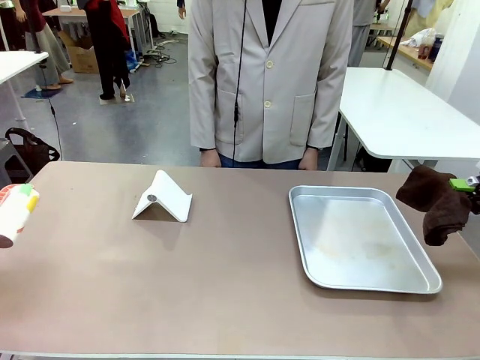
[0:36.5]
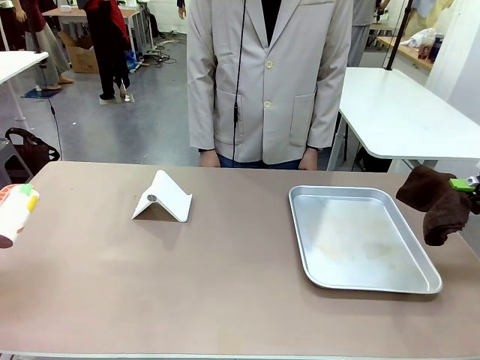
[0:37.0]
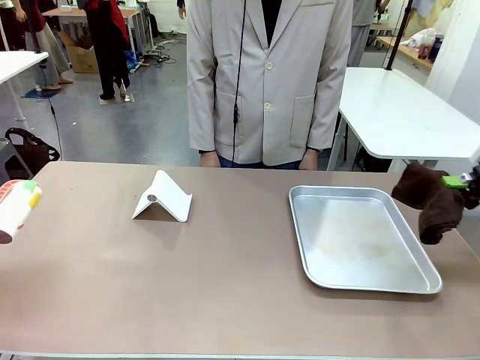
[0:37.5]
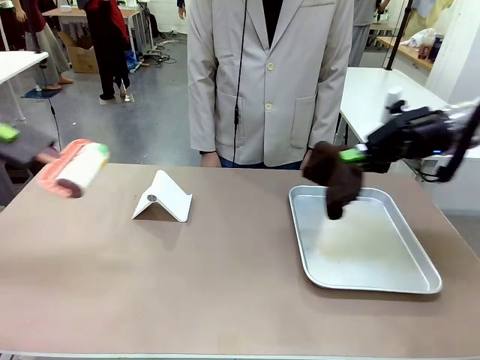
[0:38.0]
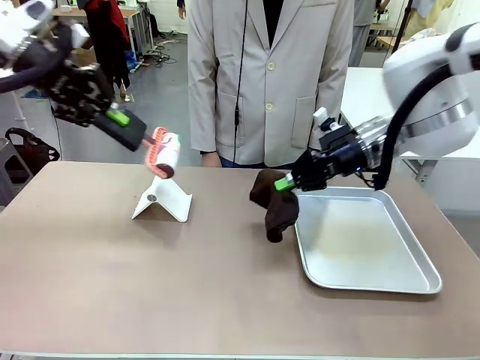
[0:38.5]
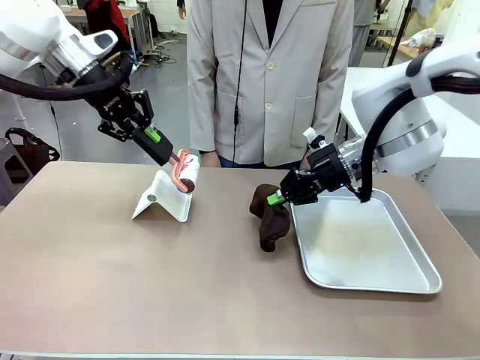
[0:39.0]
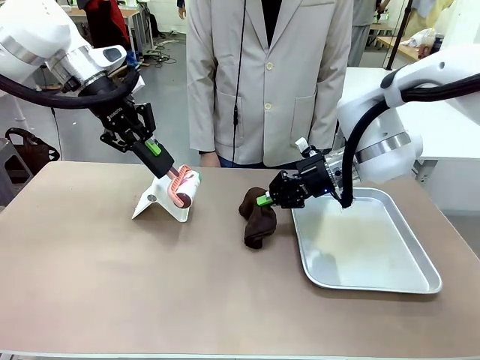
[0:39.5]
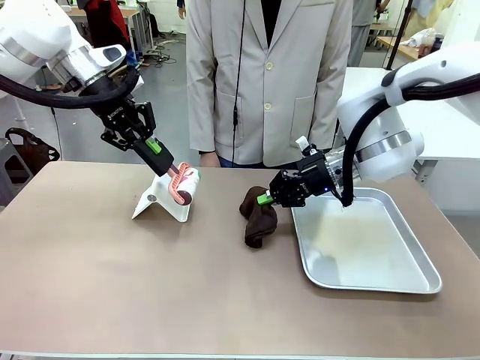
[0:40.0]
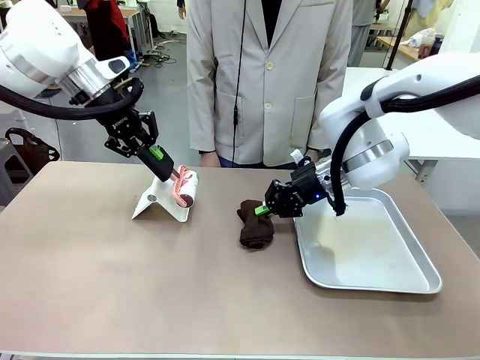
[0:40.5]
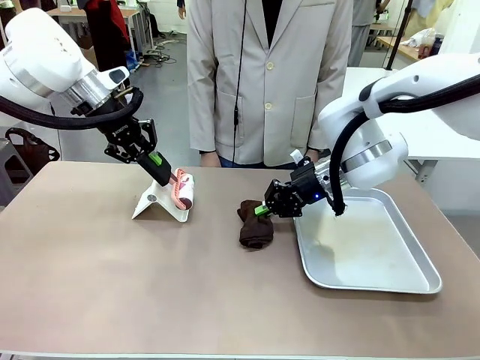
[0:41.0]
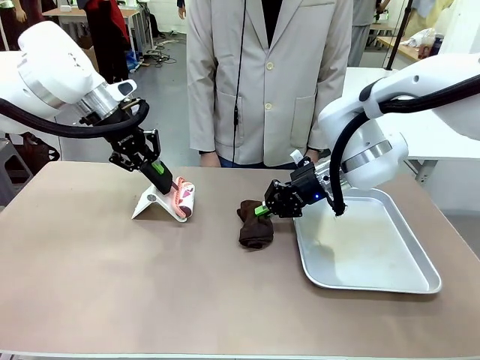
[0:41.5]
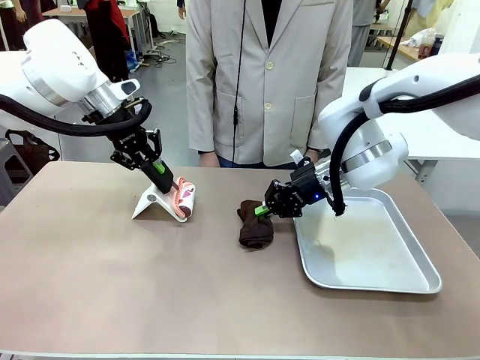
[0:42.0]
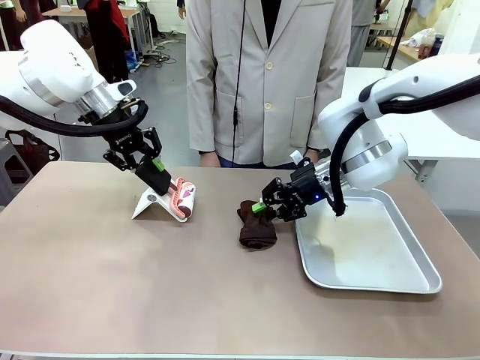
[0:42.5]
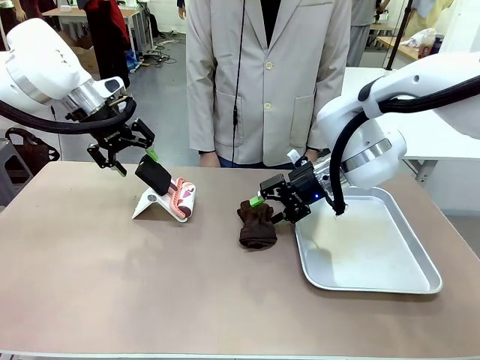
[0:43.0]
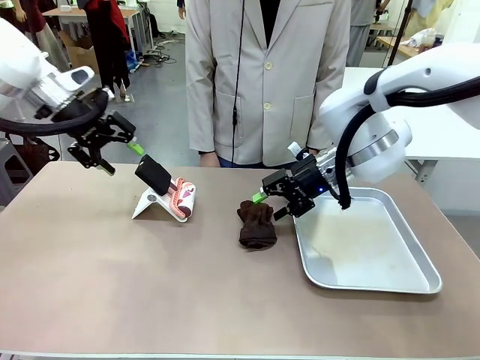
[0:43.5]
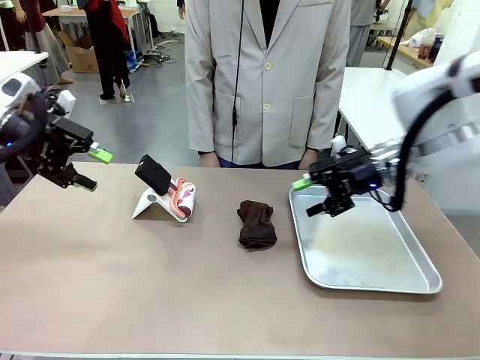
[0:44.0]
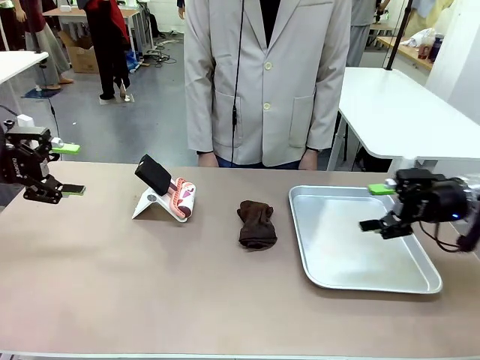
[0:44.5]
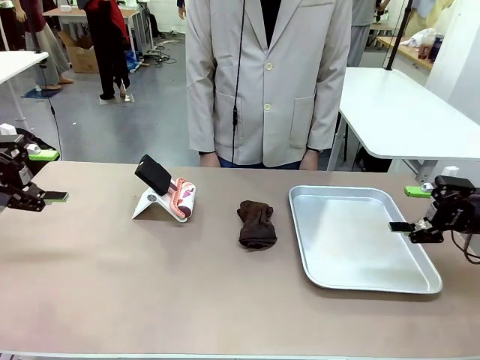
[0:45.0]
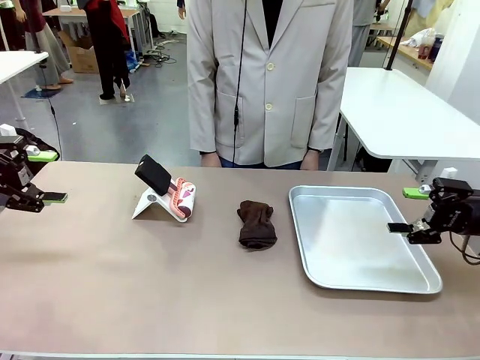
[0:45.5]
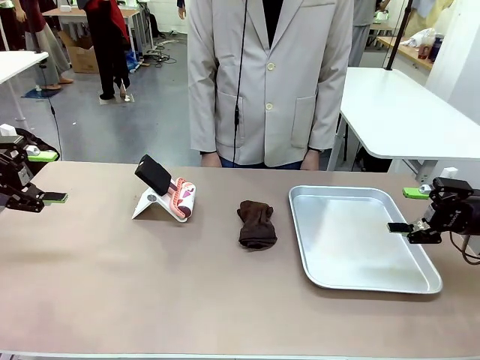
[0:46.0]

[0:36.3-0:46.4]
Task: Clean the surface of the table.
Robot: Return the Lint Roller and towel to their original positions.

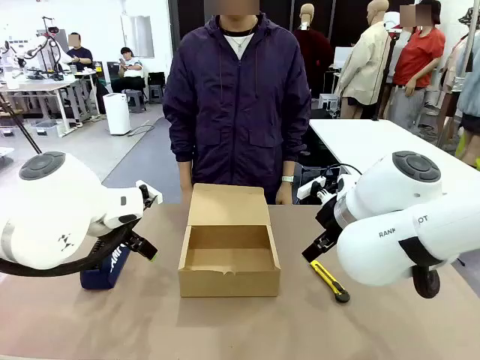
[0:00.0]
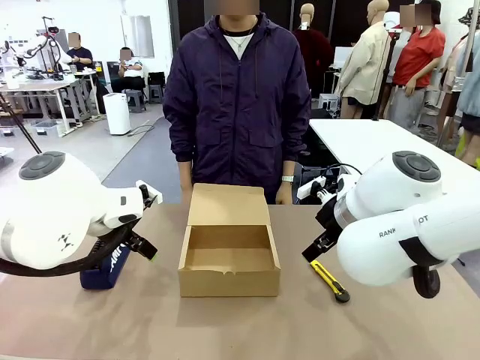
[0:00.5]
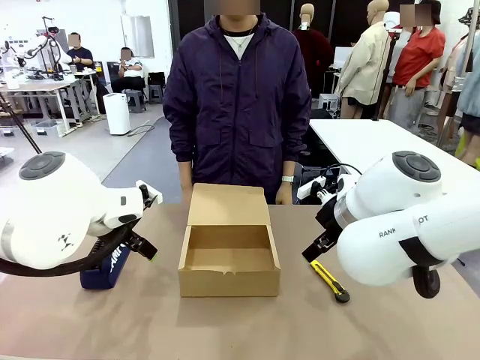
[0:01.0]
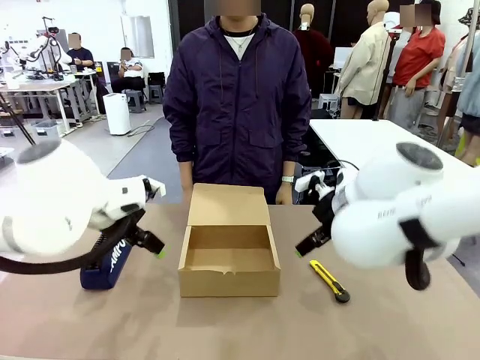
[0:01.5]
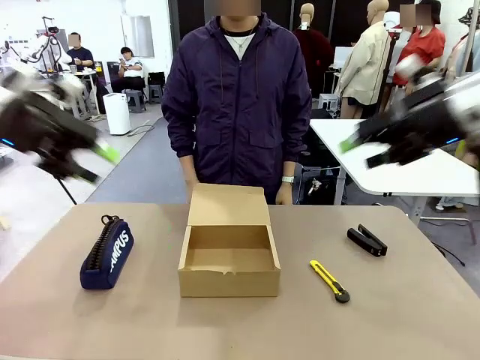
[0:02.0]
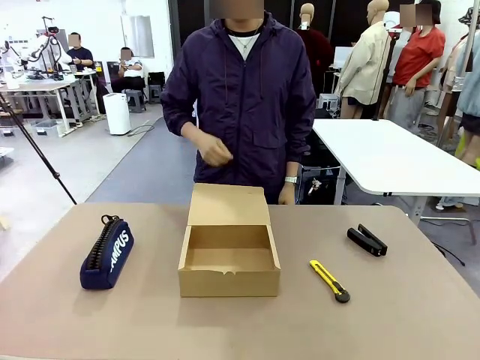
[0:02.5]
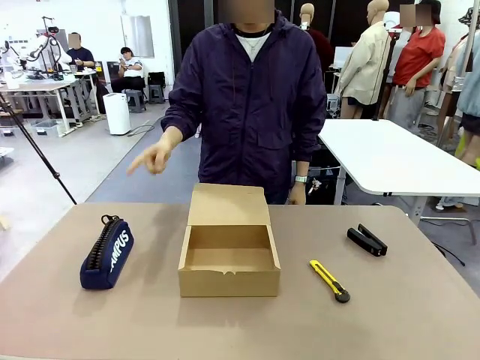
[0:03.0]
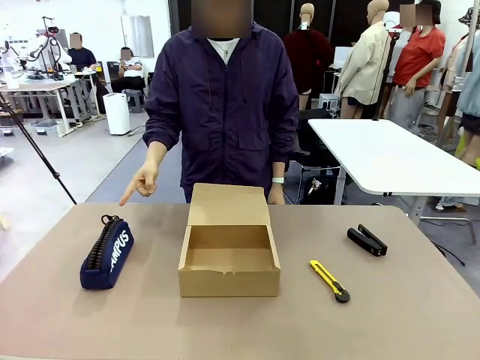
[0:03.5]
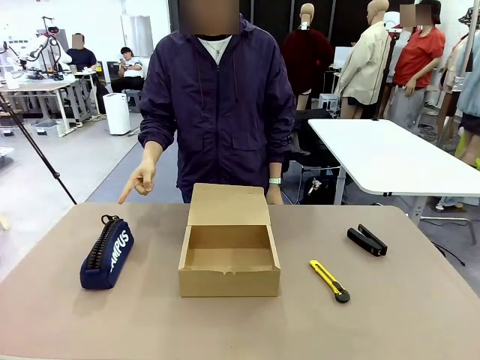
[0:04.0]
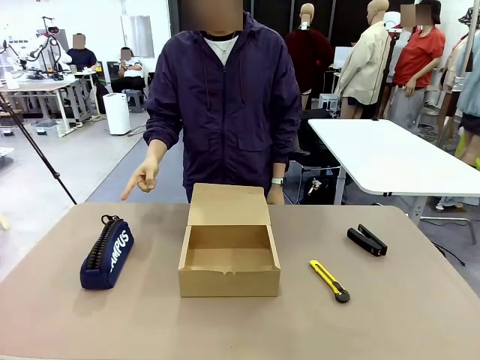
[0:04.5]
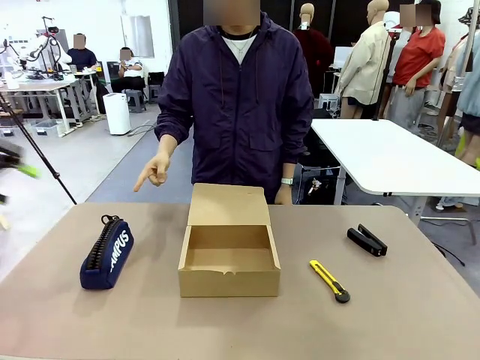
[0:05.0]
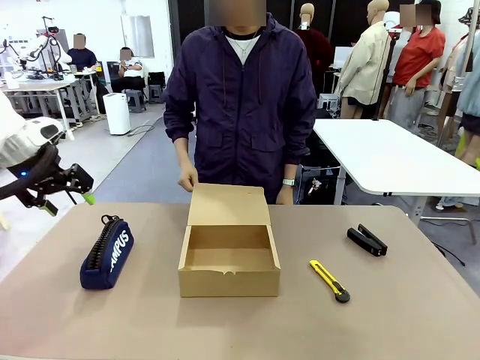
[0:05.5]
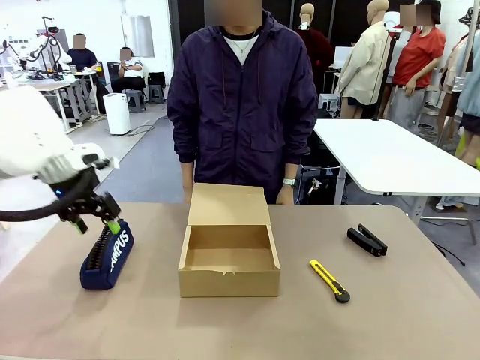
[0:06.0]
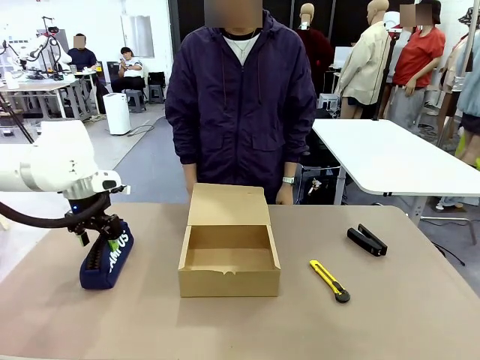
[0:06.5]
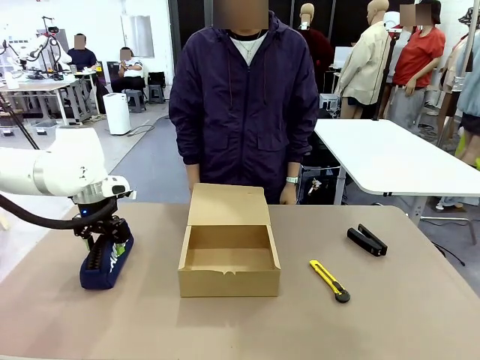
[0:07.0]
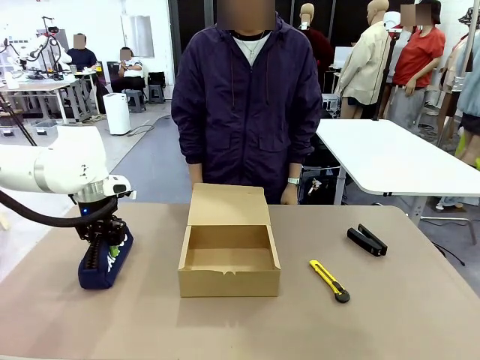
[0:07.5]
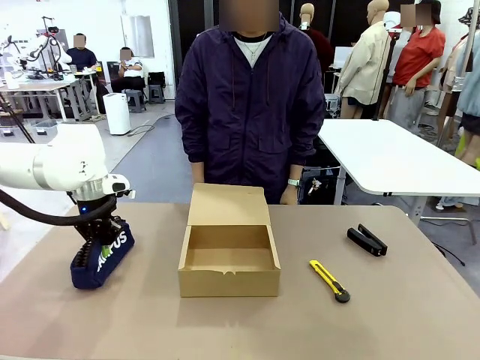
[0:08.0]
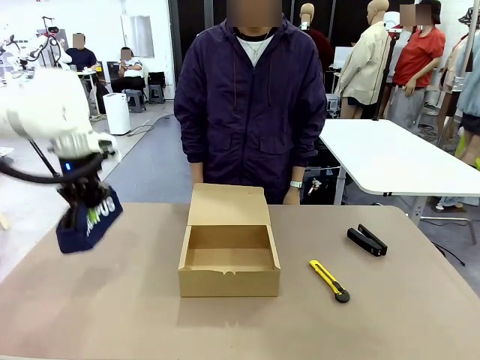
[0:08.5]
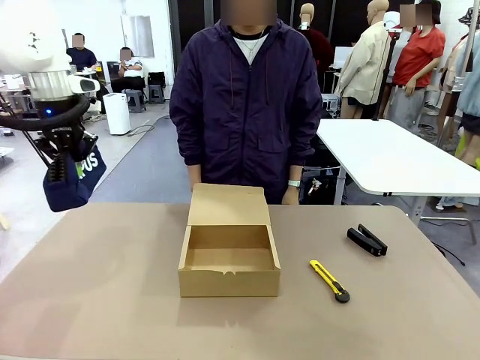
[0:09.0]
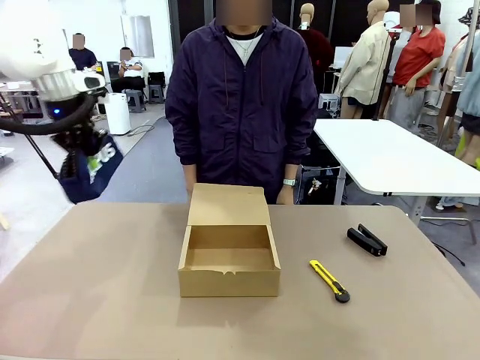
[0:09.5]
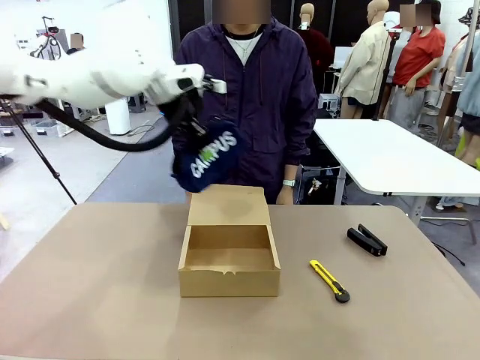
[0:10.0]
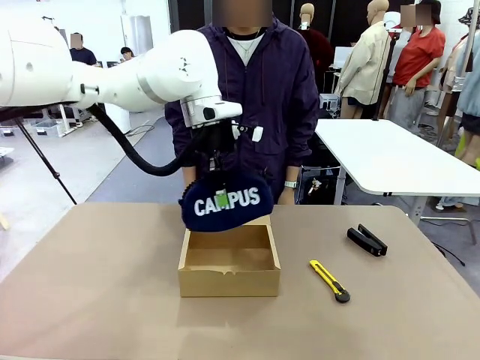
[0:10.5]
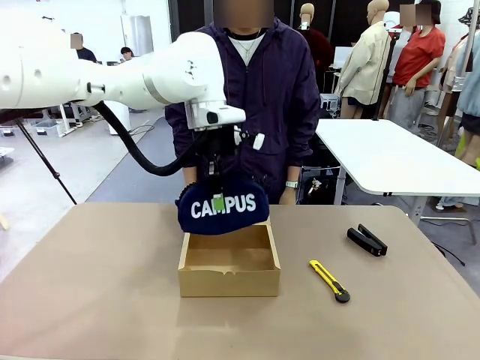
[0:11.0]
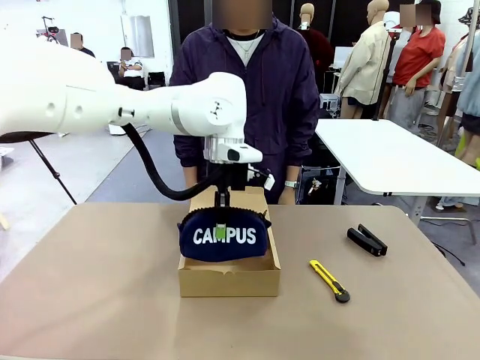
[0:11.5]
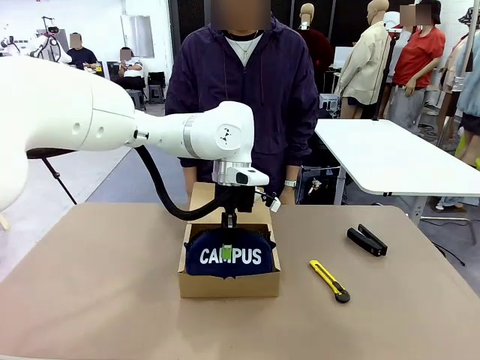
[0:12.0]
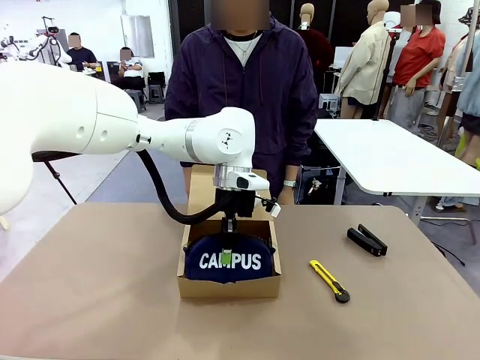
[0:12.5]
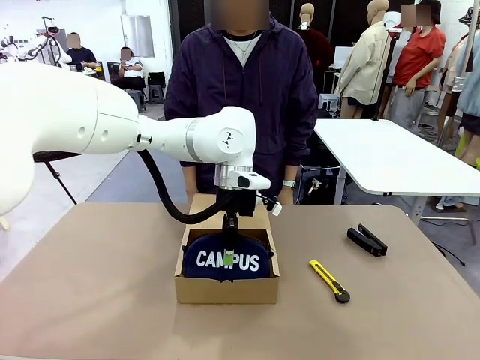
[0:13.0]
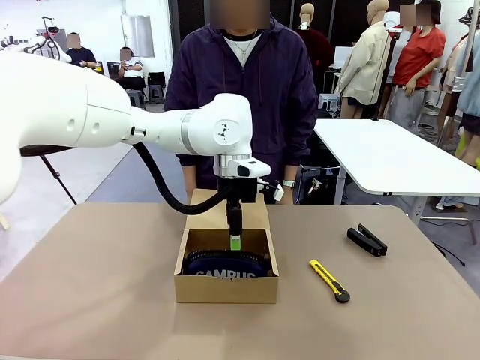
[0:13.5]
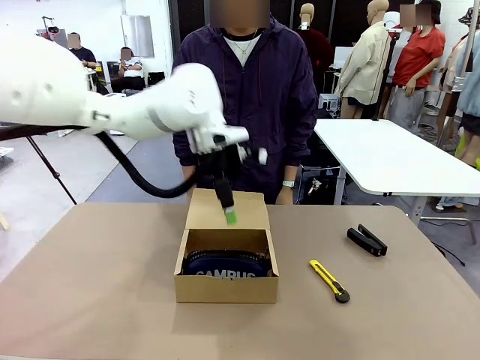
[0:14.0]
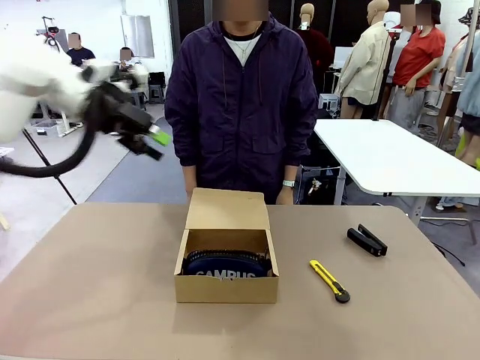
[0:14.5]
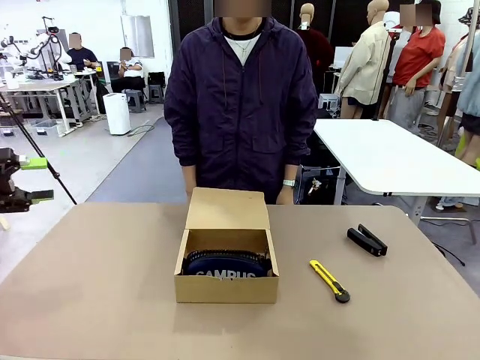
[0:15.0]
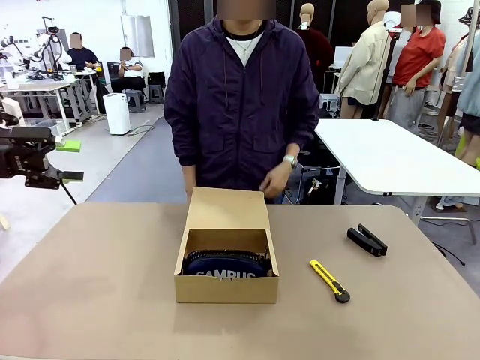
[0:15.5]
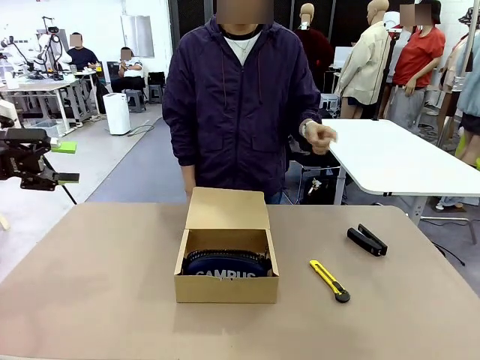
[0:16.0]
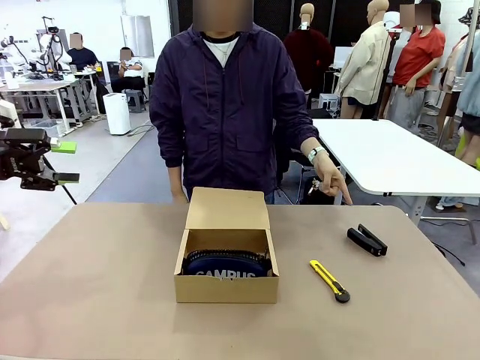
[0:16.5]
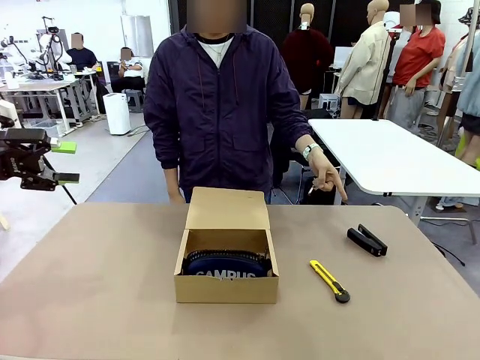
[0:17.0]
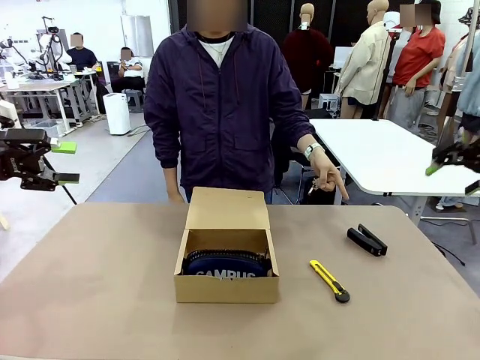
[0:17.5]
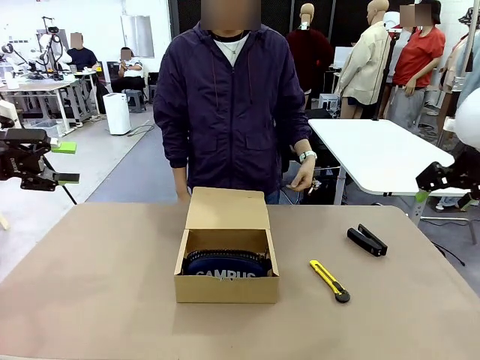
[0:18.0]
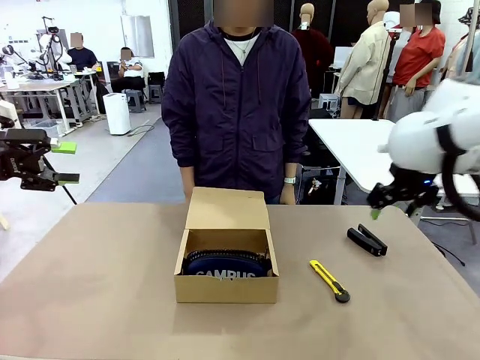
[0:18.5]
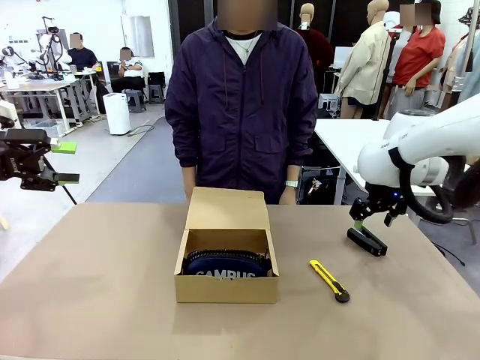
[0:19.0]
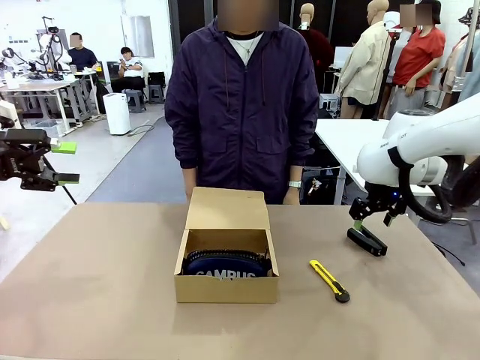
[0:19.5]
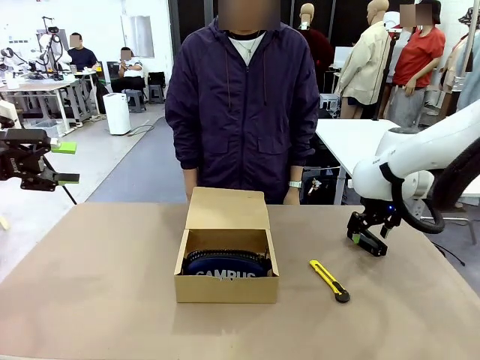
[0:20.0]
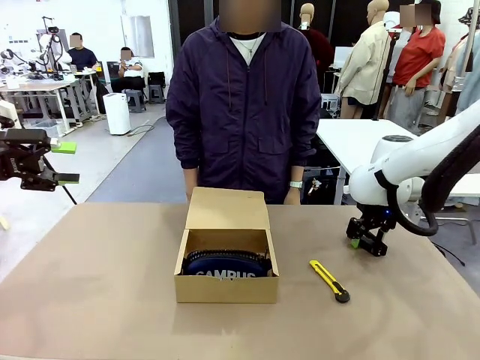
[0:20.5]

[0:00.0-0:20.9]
Task: Pack the items into the box.
Robot: Pick up the item indicated by the person and place it inside the Mailer Box.
Person: Point at one item on the table (excluding the box).
